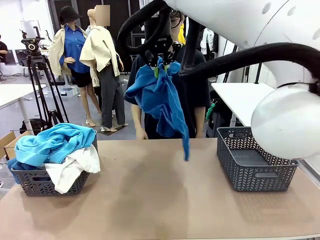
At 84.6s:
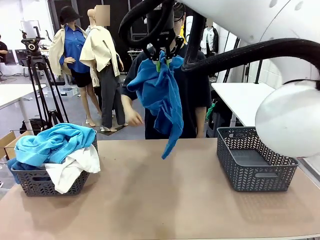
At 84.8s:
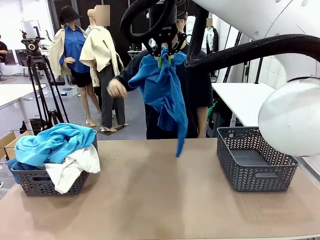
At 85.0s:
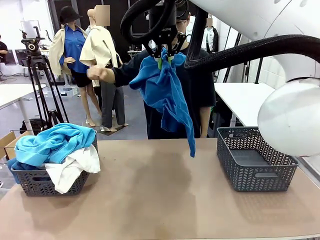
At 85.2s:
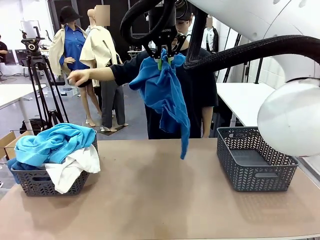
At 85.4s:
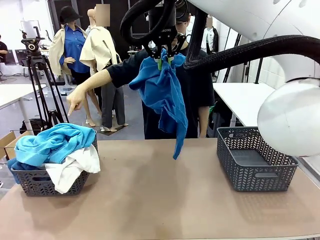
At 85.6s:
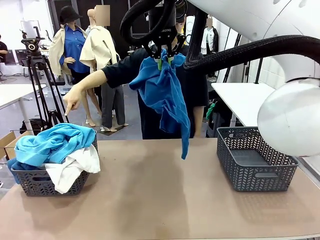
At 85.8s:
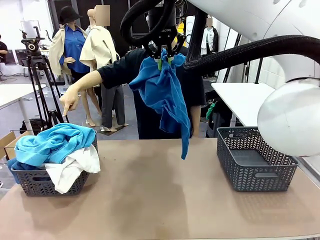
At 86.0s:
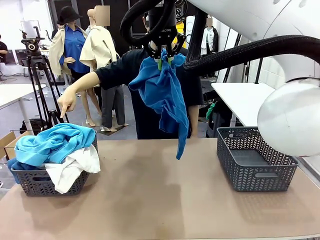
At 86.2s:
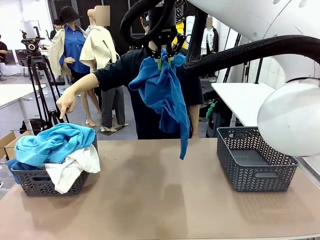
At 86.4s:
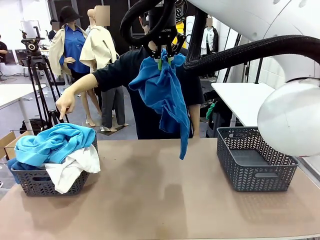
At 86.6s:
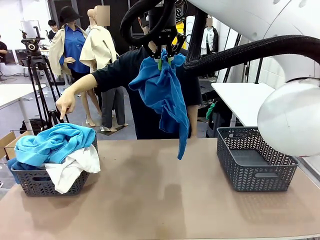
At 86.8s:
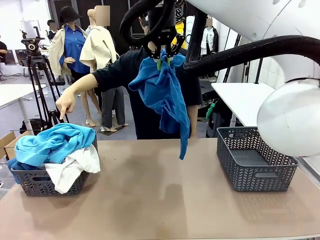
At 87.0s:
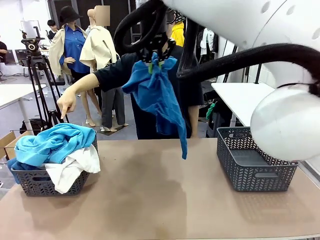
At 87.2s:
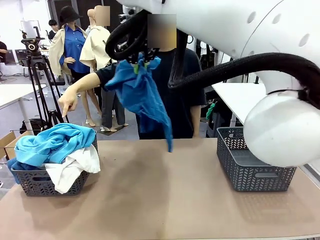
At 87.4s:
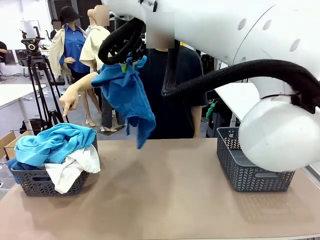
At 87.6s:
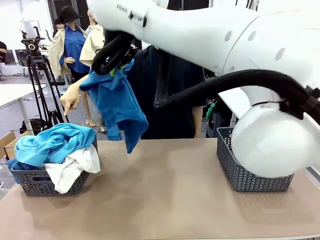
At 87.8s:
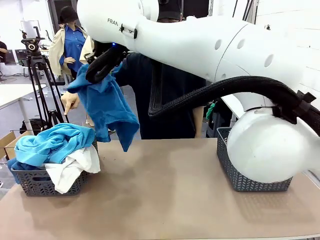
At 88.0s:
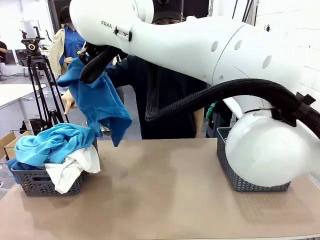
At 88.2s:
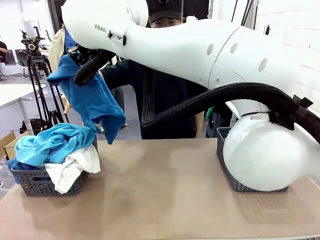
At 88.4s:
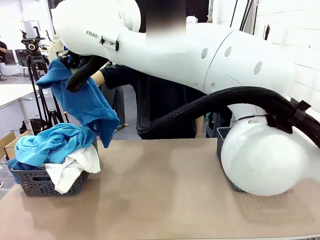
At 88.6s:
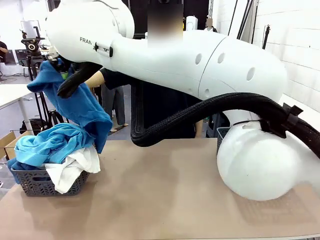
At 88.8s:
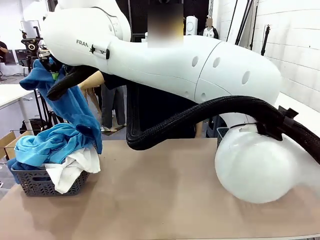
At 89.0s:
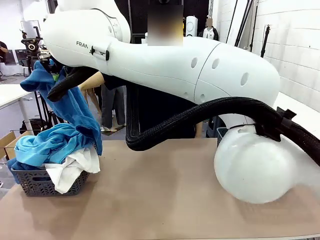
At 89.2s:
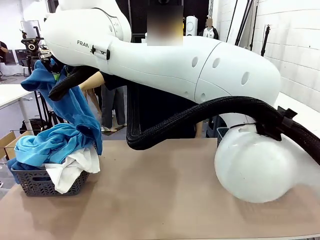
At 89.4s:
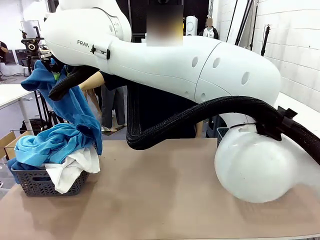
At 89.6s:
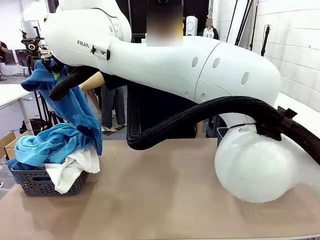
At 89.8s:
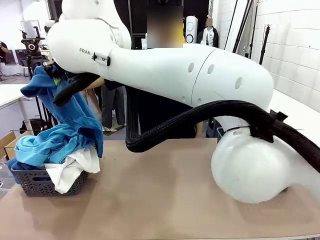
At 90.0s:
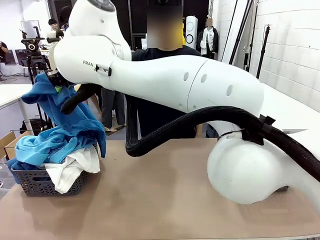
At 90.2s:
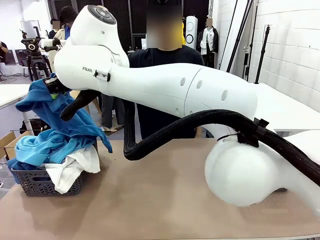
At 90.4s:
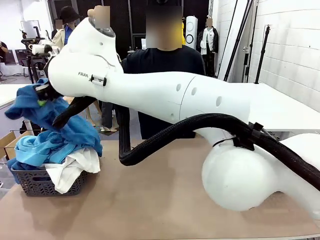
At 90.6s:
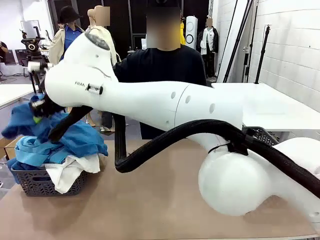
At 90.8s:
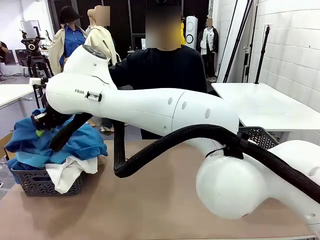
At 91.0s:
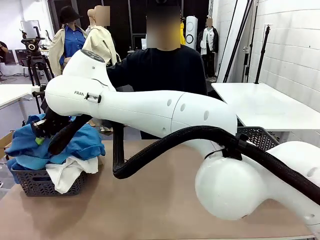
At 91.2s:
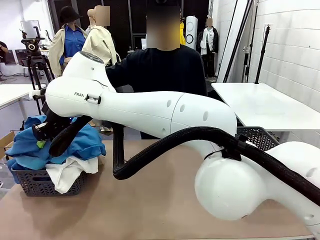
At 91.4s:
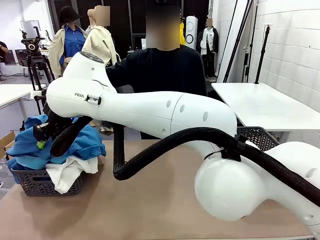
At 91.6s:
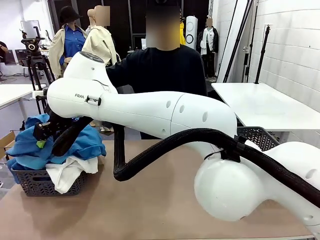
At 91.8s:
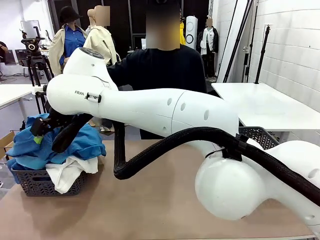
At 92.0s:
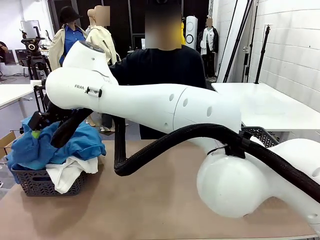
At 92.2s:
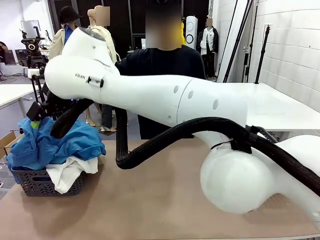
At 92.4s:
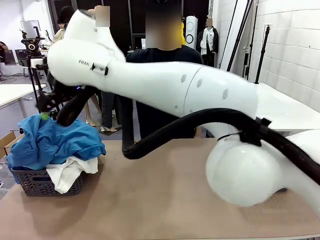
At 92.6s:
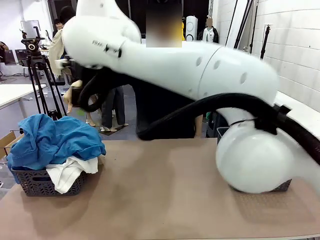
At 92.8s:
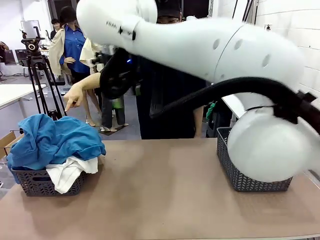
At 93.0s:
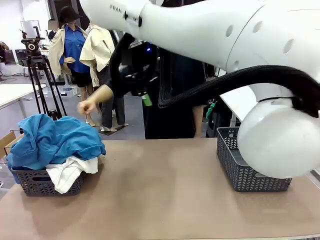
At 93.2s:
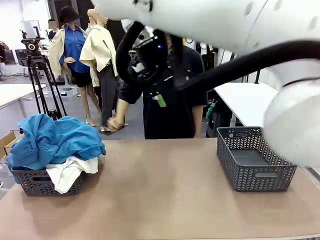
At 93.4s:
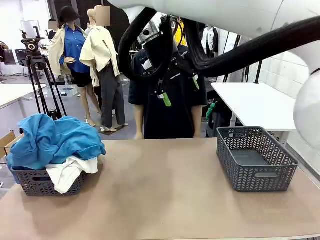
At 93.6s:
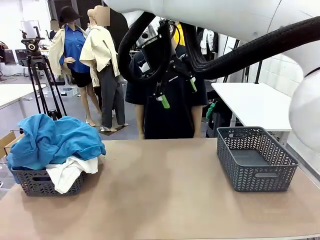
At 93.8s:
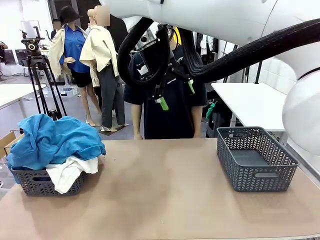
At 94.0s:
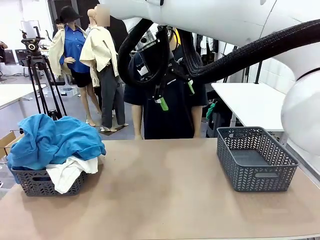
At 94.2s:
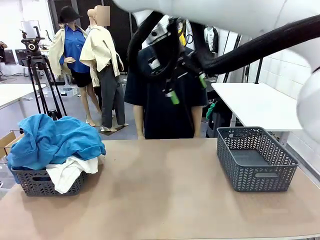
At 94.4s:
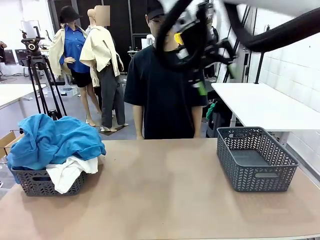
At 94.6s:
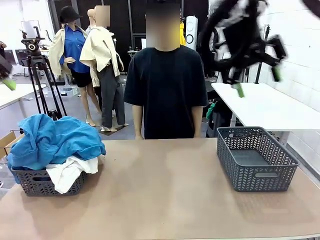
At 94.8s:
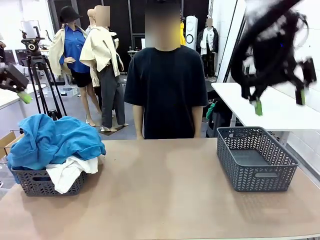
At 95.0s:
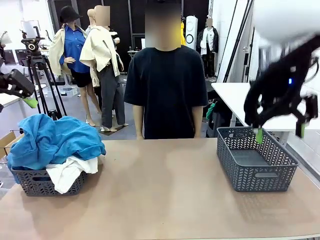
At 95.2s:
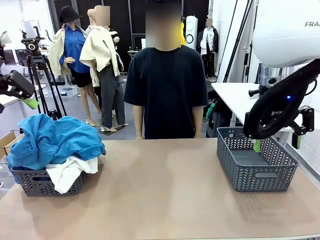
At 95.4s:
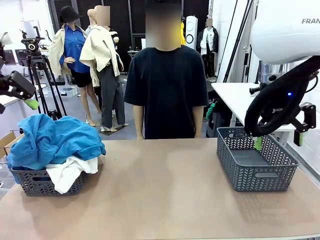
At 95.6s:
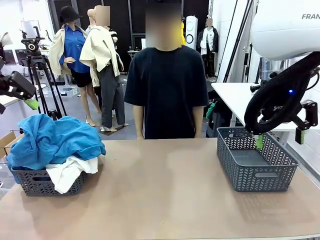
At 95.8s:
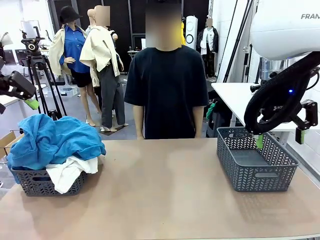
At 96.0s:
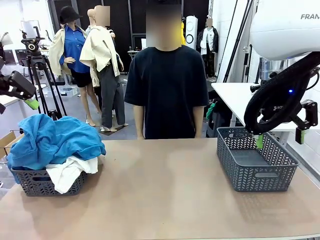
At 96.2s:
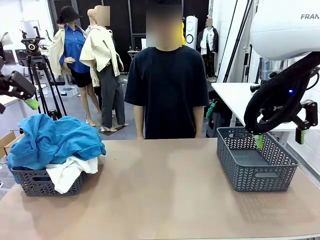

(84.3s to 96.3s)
Task: Sort the tops and bottoms.
Robot: Sort the clothes according to human instructions.

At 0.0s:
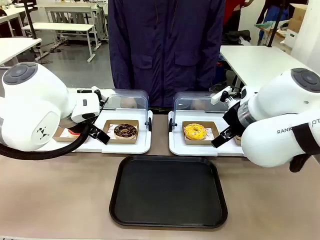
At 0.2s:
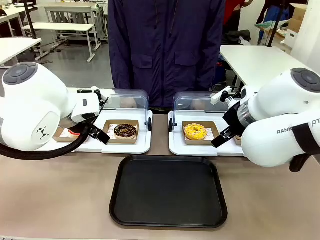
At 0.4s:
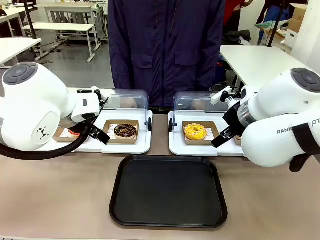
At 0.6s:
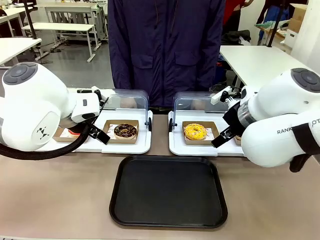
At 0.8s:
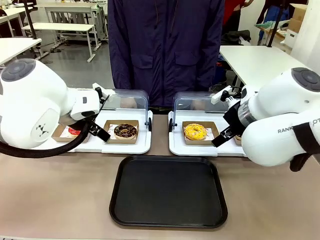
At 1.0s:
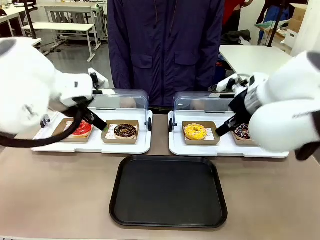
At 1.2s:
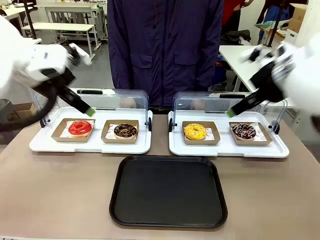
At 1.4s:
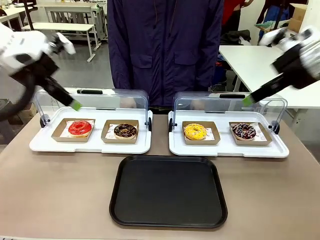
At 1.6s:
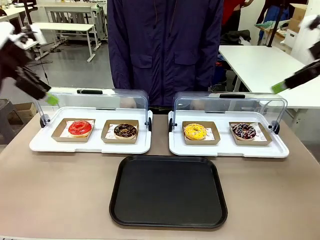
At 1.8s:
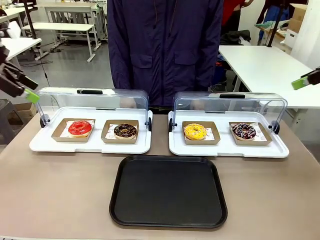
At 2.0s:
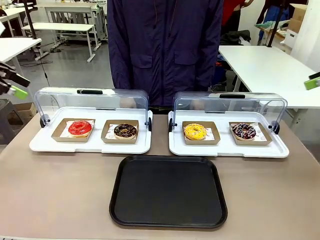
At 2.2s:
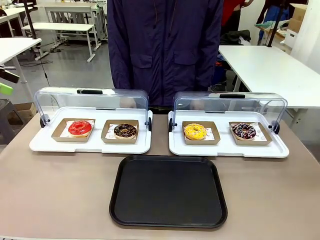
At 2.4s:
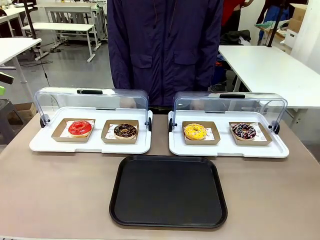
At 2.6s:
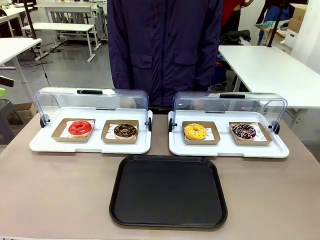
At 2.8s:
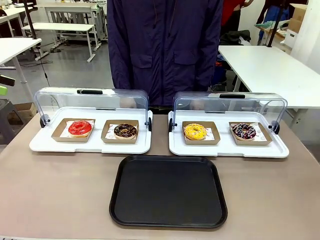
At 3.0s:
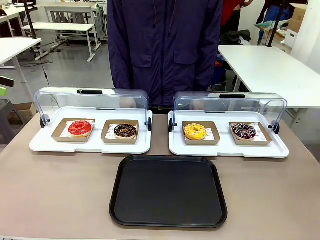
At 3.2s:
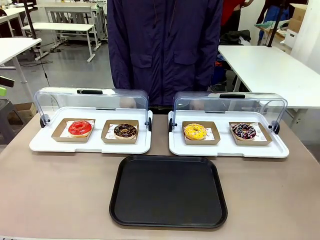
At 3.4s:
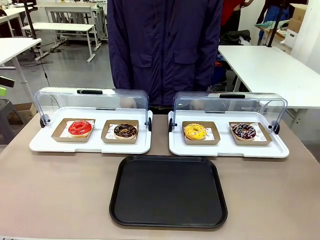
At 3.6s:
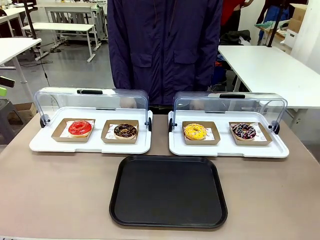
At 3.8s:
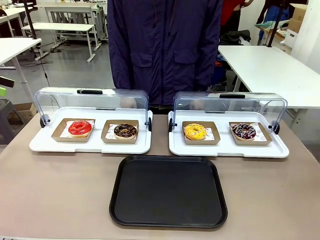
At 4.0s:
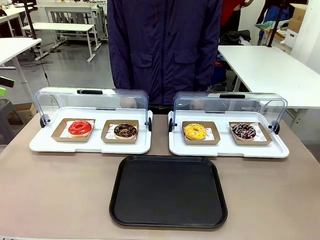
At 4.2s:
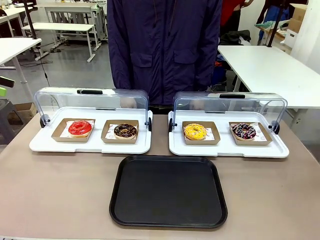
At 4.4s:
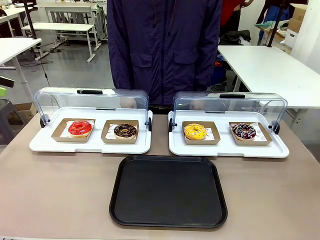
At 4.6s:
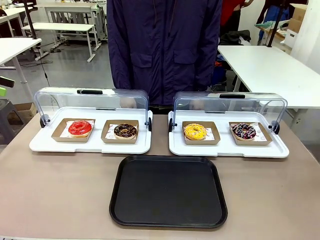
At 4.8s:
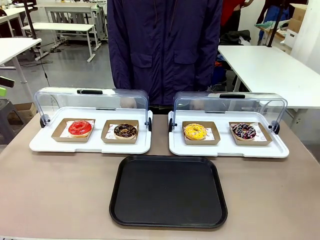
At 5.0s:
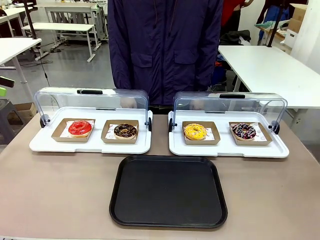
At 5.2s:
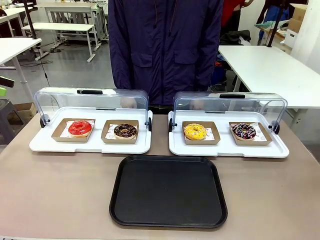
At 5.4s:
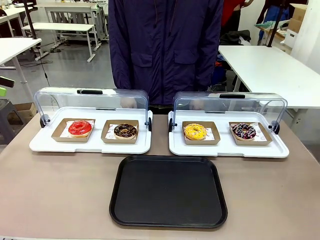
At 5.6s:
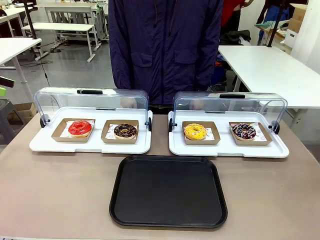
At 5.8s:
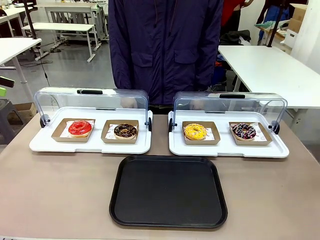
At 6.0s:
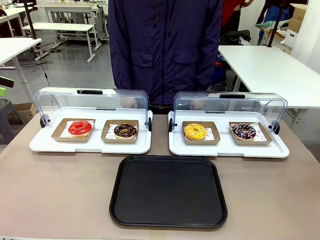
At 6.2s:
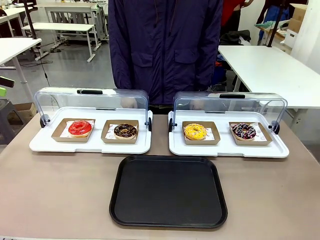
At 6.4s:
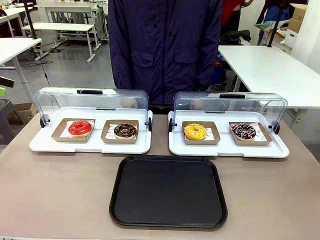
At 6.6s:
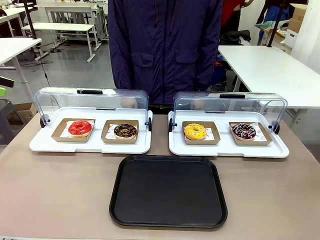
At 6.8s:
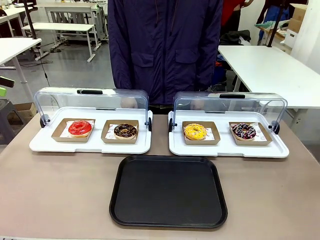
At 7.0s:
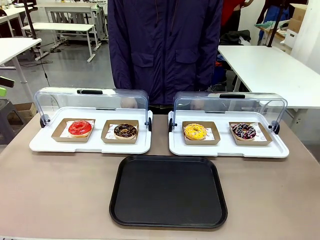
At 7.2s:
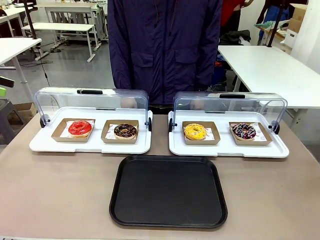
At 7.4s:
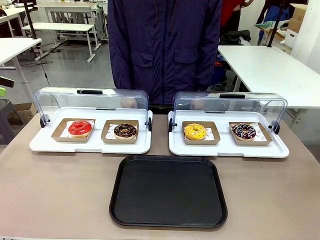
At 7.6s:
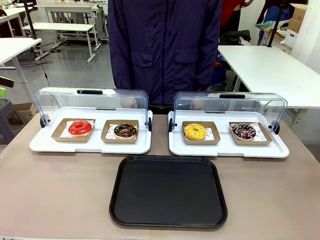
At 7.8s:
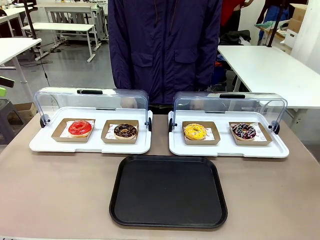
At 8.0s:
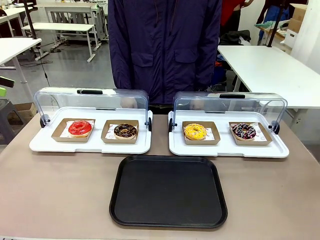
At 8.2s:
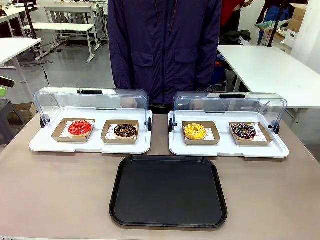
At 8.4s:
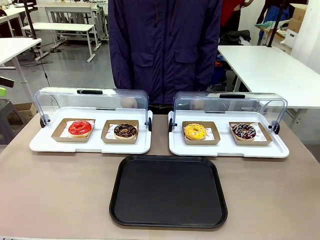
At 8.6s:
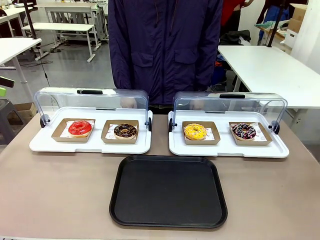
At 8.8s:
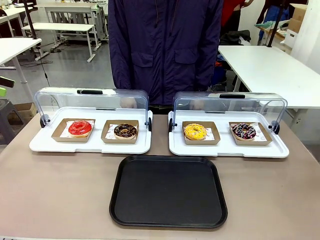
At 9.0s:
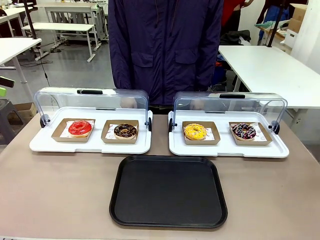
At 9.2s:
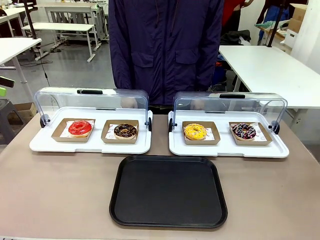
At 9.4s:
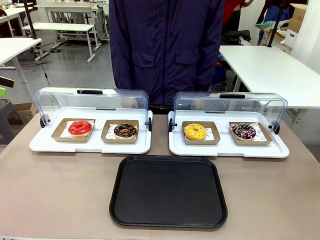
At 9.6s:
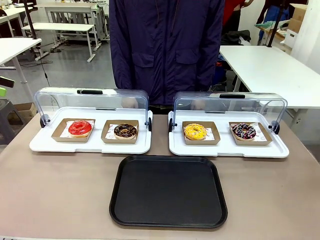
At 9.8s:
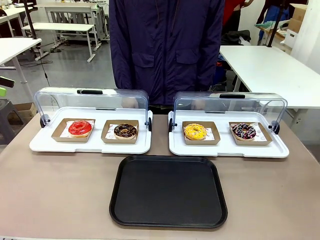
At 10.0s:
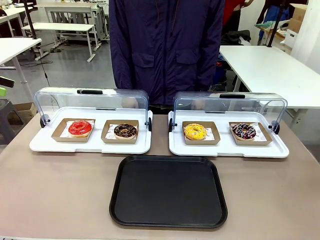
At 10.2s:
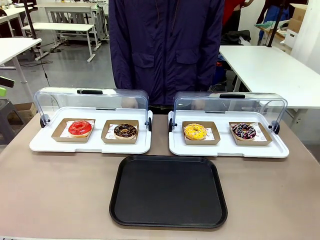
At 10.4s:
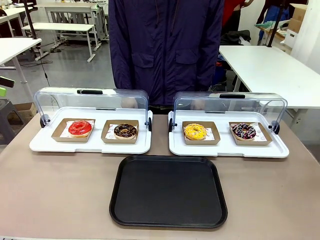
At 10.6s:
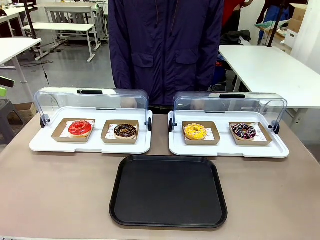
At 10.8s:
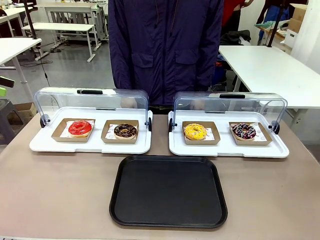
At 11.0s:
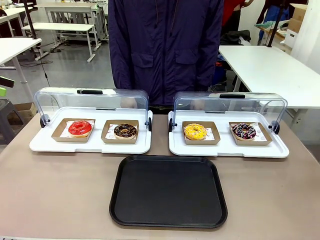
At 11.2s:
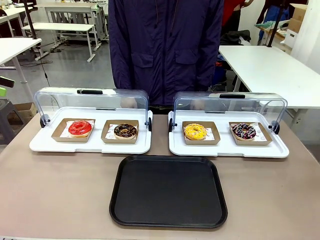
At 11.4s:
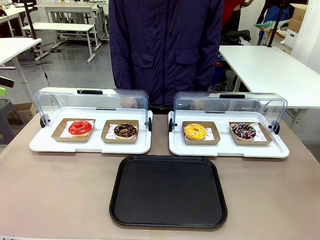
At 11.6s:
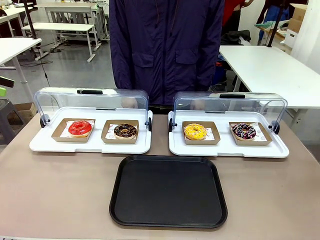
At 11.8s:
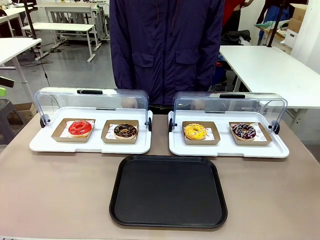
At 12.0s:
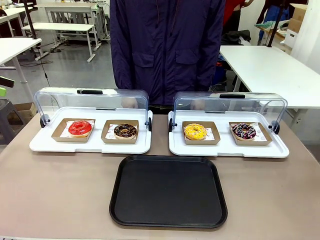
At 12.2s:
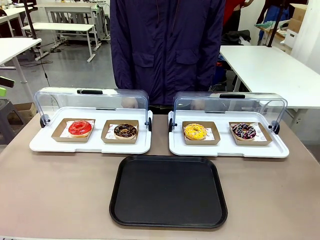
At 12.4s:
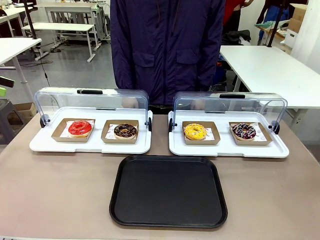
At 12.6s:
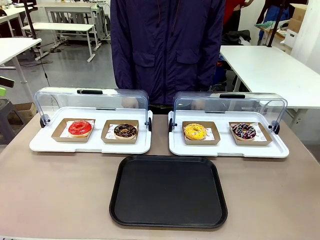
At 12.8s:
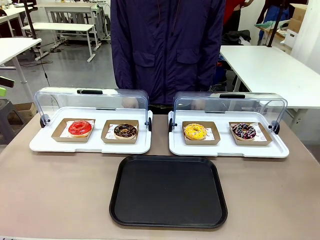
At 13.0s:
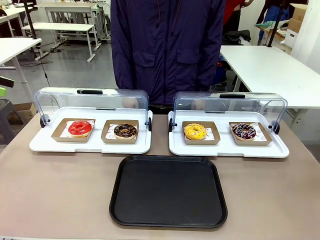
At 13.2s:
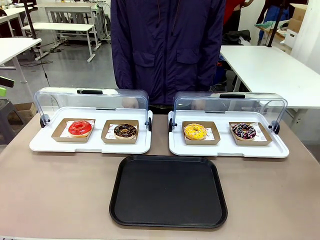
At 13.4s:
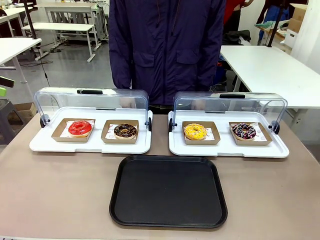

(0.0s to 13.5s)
Task: Move the first donut from the left to the tray.
Robot: Pick up the Paper togo box containing the Donut indicated by the person and place it on the Handle tray.
